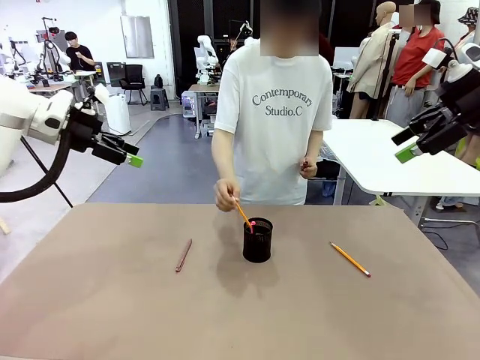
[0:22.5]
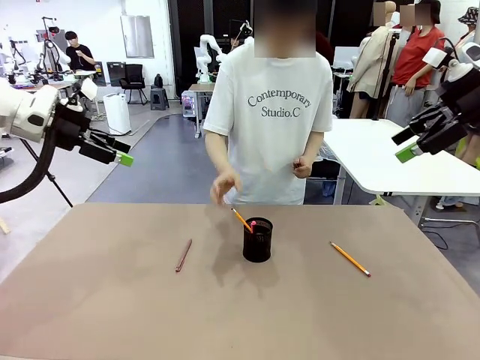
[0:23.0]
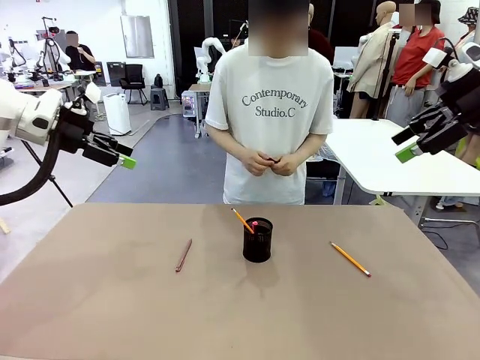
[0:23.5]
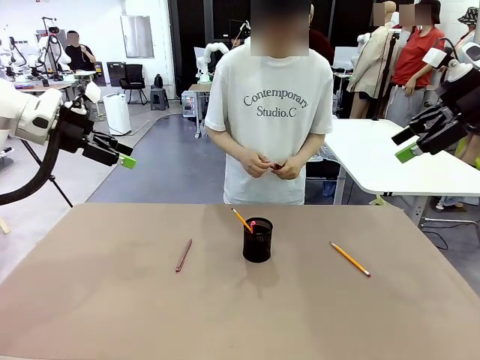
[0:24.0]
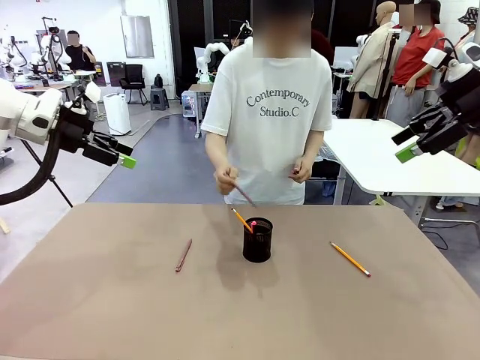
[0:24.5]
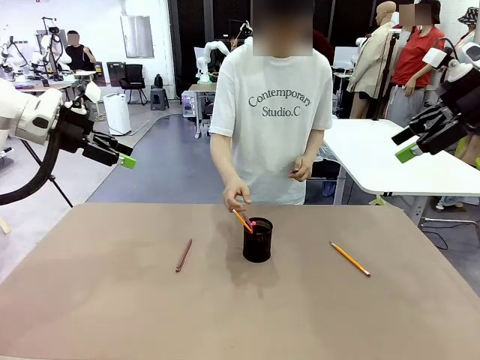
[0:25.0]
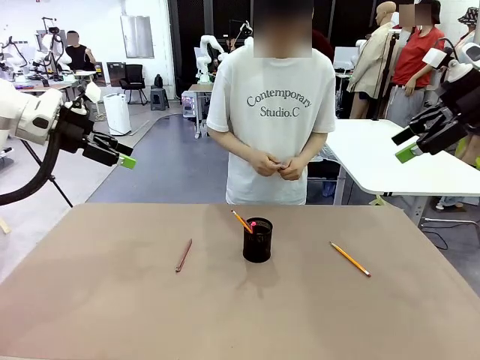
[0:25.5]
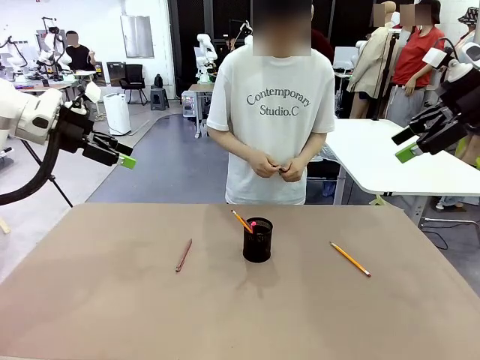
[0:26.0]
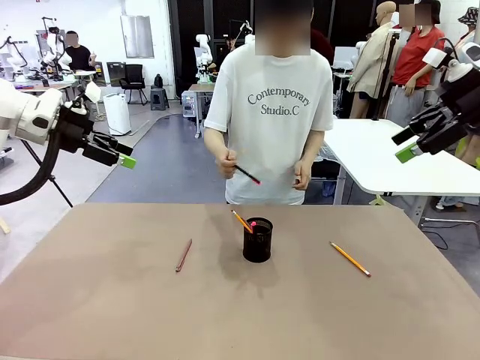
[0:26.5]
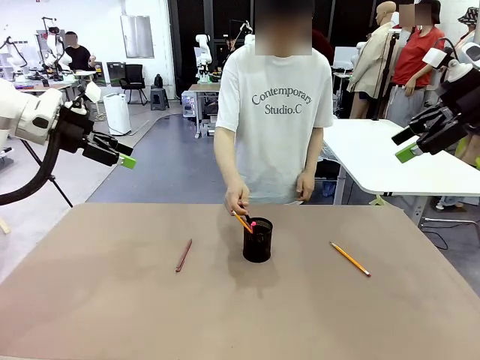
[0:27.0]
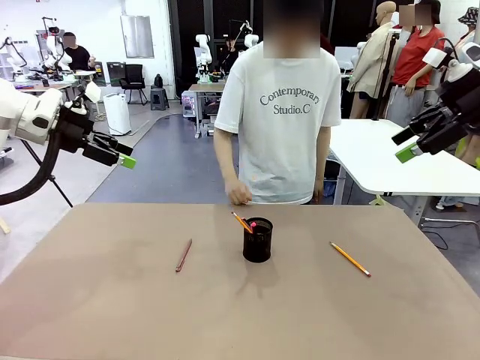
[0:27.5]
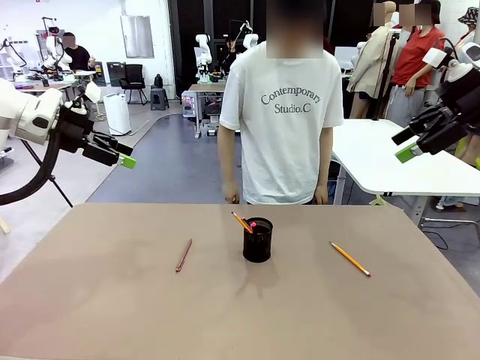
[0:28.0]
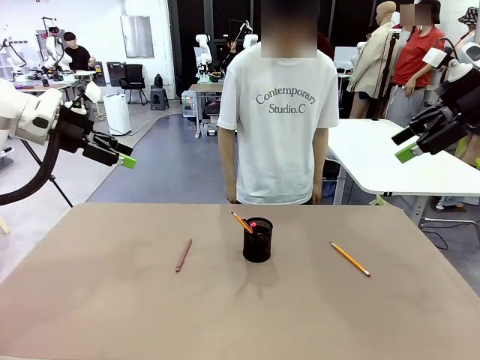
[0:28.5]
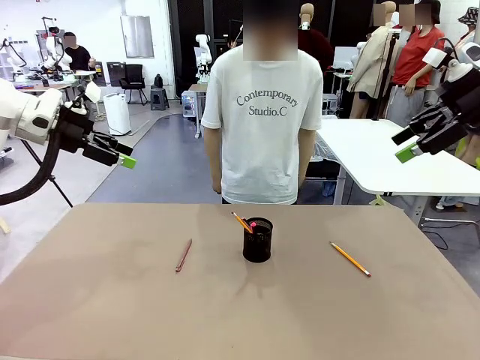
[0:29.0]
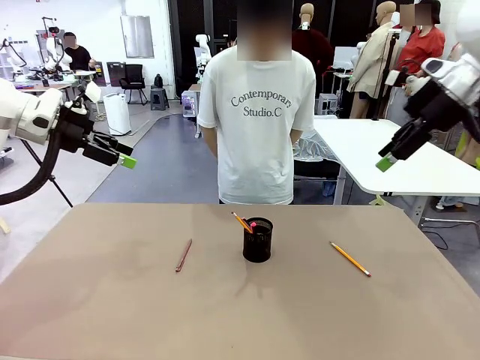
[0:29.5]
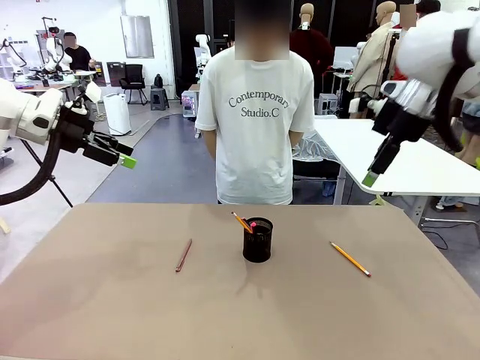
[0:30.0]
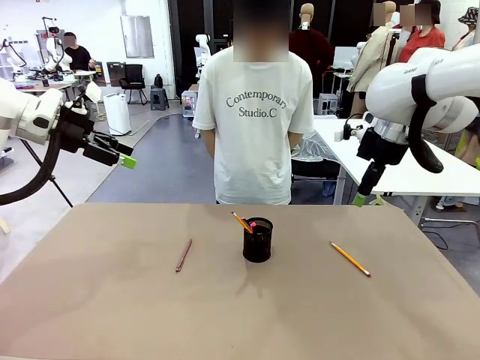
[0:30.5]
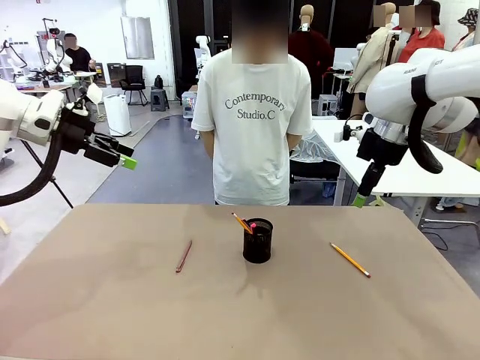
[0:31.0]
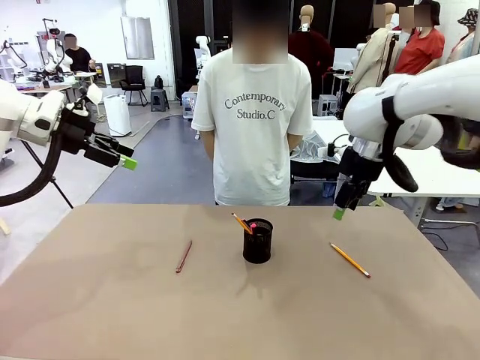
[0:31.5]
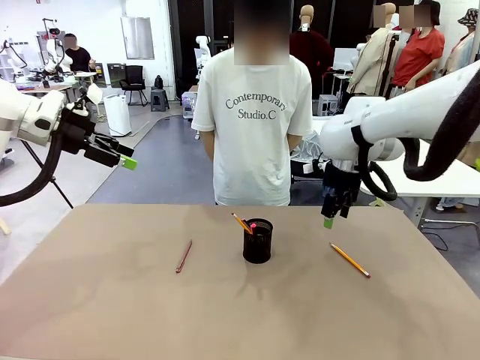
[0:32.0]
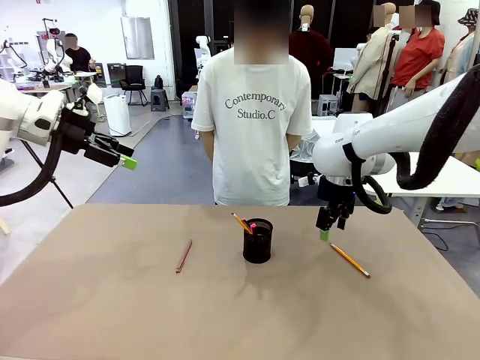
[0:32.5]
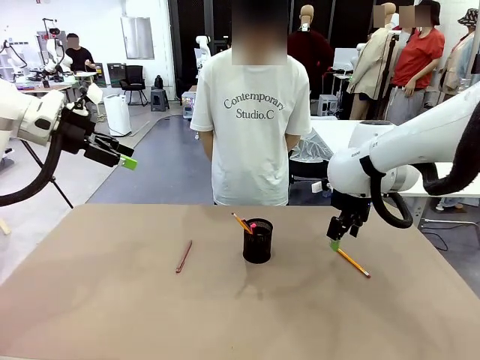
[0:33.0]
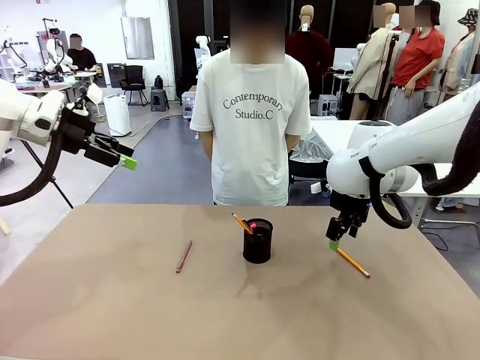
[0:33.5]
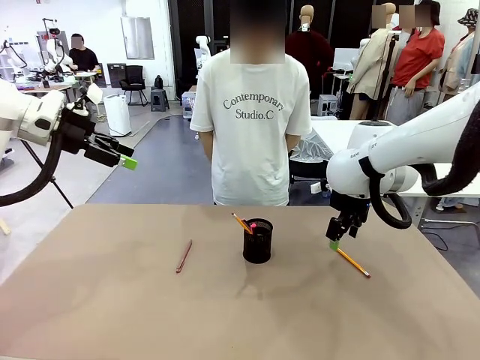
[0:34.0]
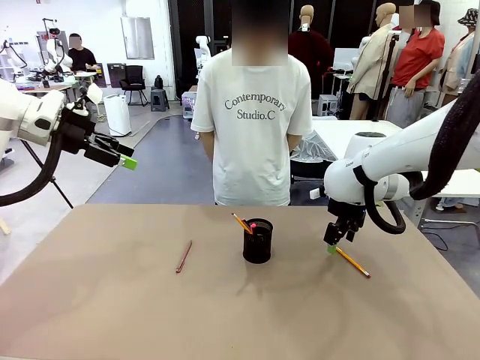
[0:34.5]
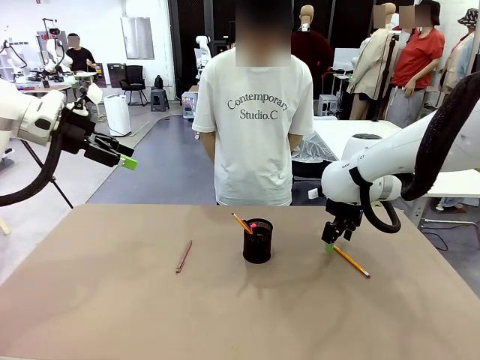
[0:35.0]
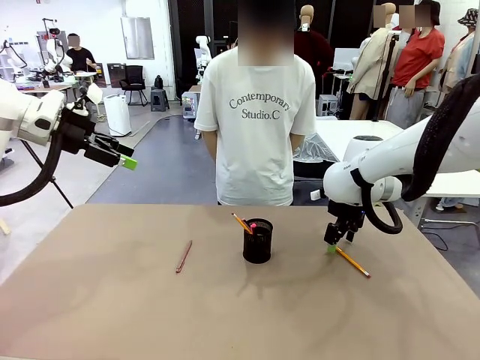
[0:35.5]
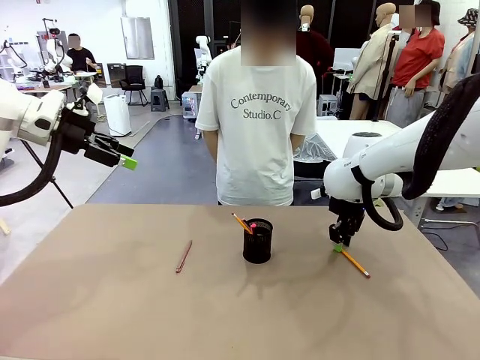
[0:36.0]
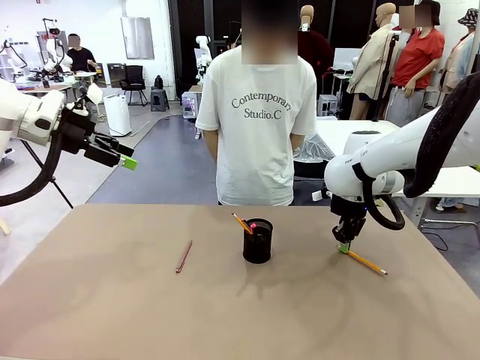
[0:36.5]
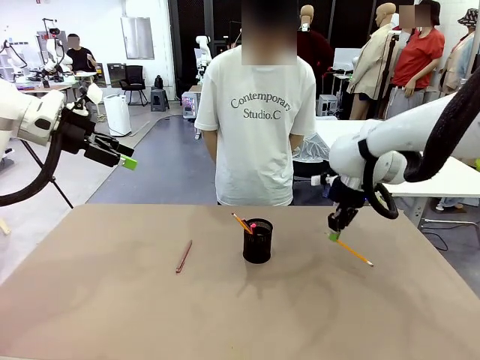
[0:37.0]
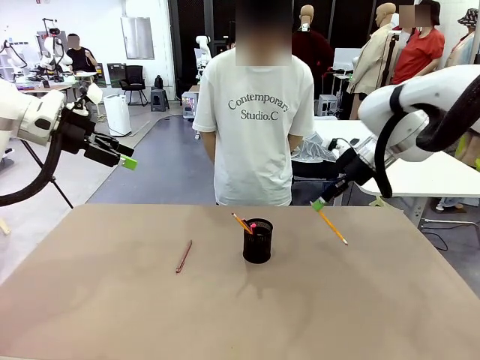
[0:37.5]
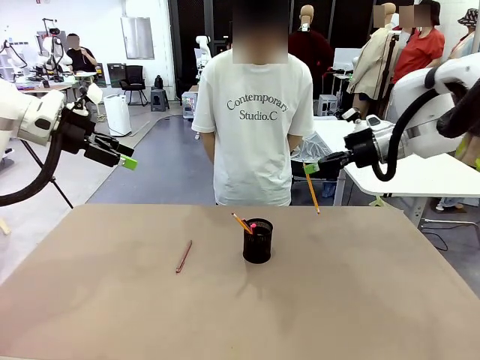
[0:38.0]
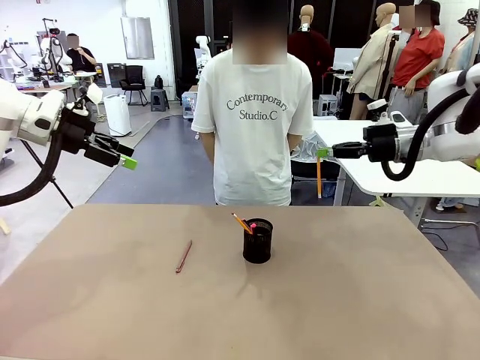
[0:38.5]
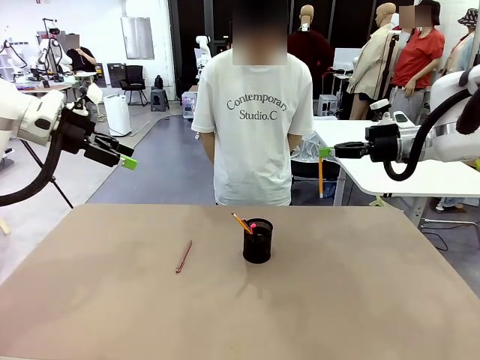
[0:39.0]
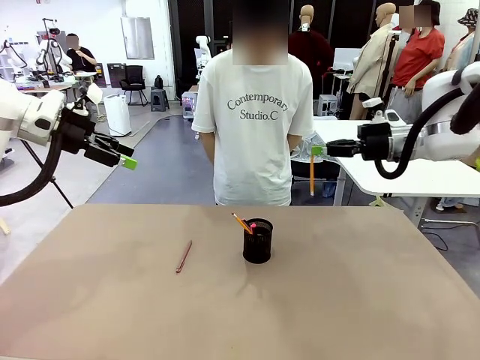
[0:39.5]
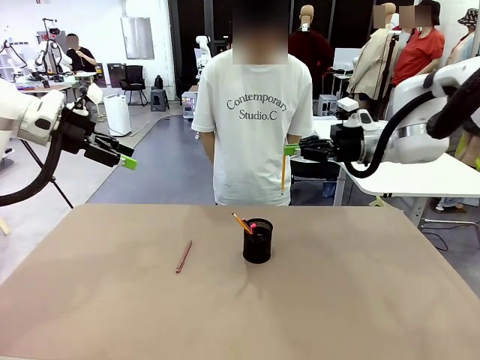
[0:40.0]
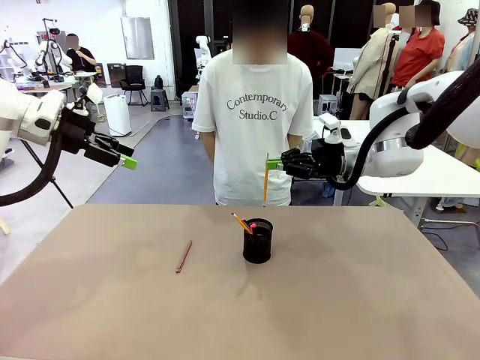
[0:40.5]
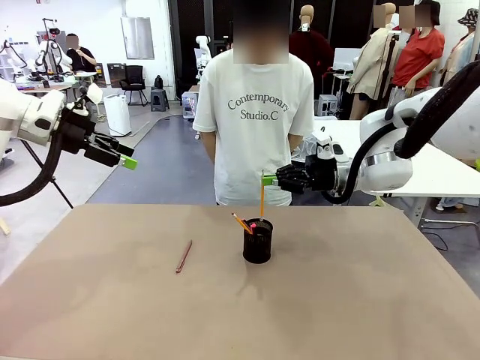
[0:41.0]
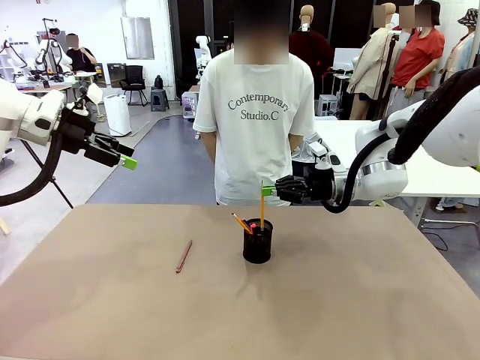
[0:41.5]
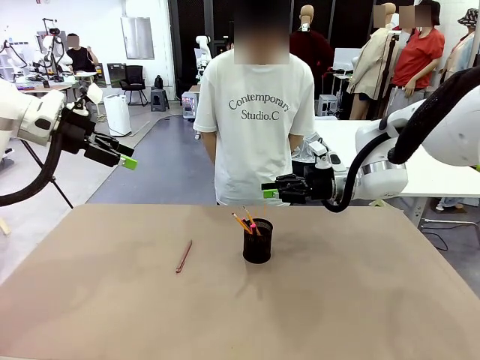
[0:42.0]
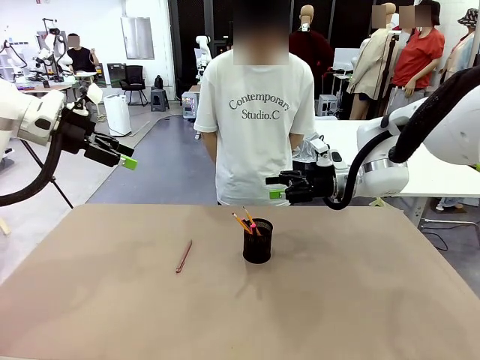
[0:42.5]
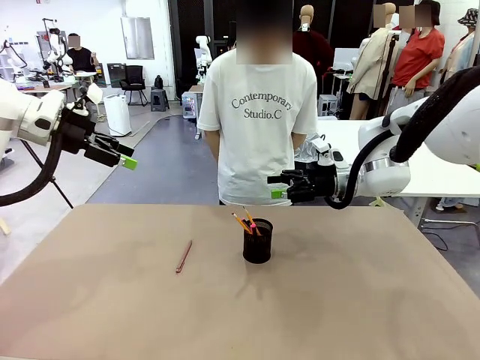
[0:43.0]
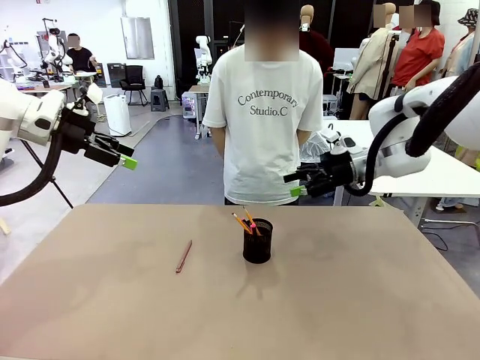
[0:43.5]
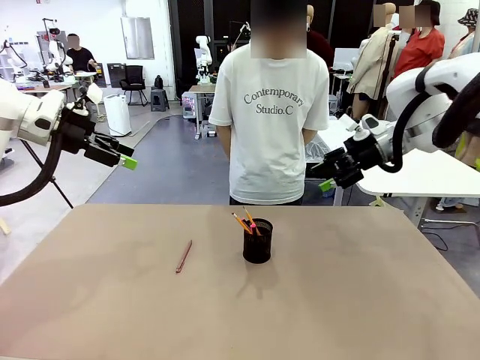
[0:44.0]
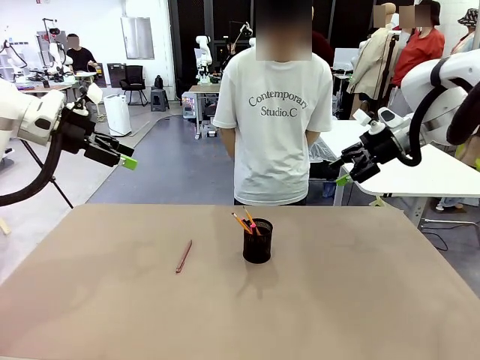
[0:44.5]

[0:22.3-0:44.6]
Task: Place the pens into the pen holder.
Robot: Pick up a writing instrument from the table and place it into the Pen holder.
